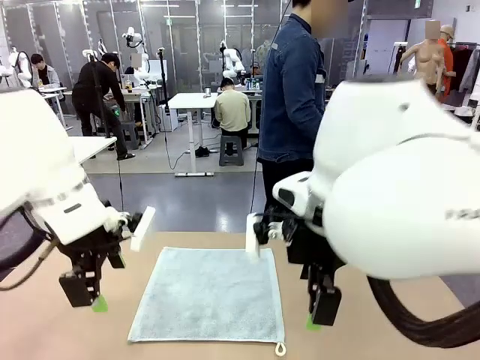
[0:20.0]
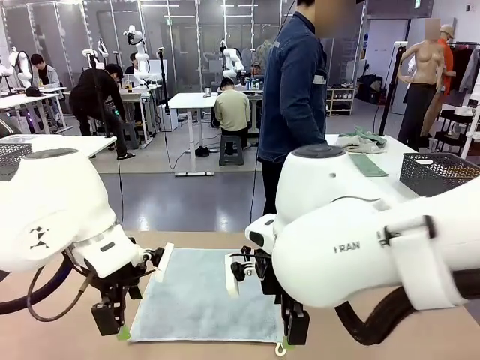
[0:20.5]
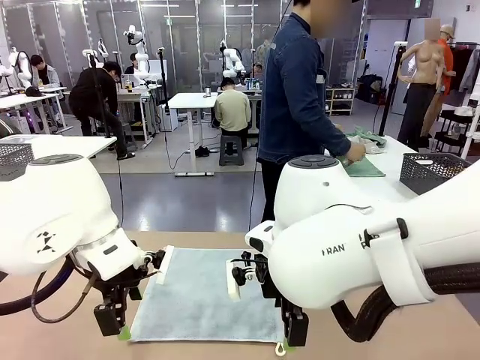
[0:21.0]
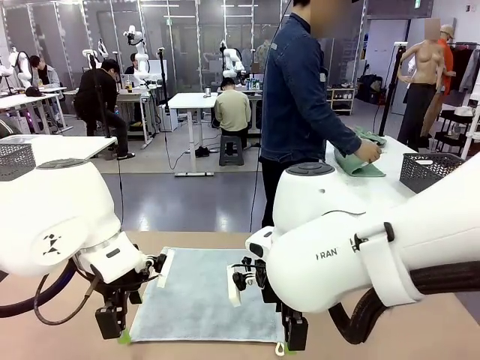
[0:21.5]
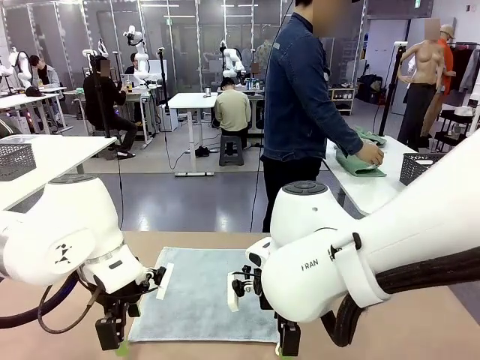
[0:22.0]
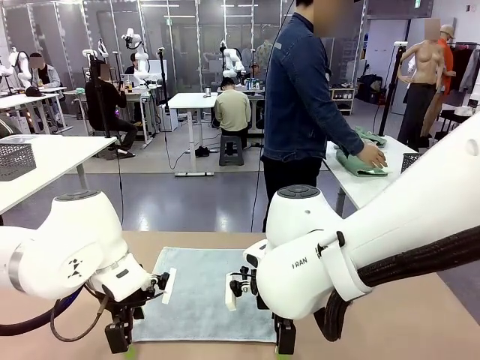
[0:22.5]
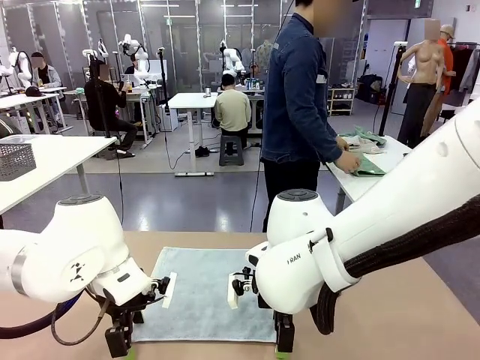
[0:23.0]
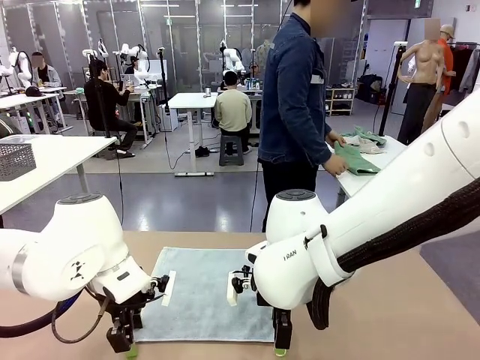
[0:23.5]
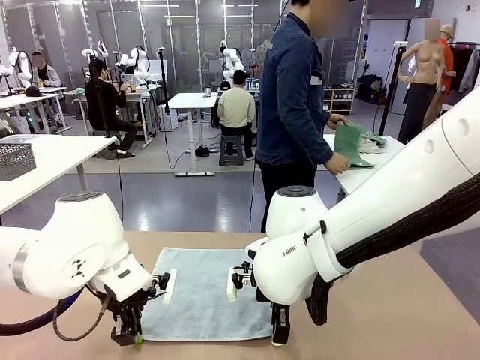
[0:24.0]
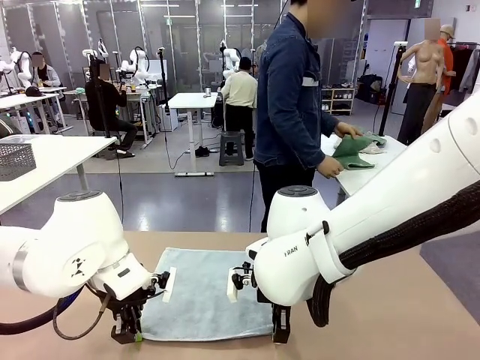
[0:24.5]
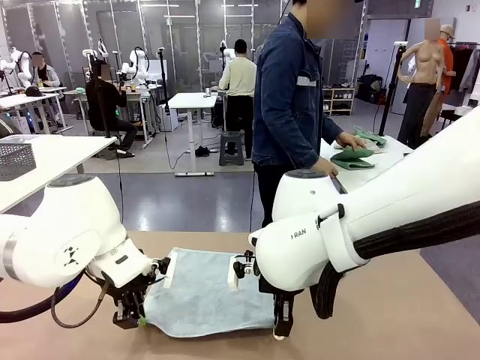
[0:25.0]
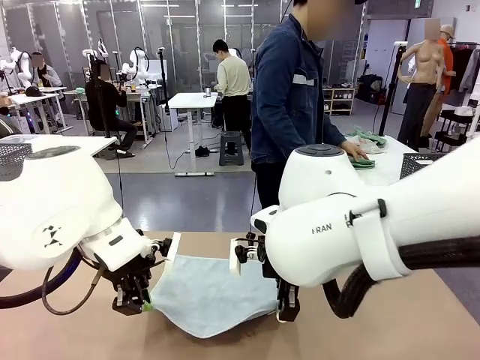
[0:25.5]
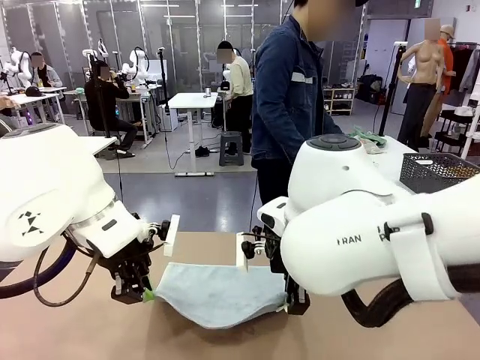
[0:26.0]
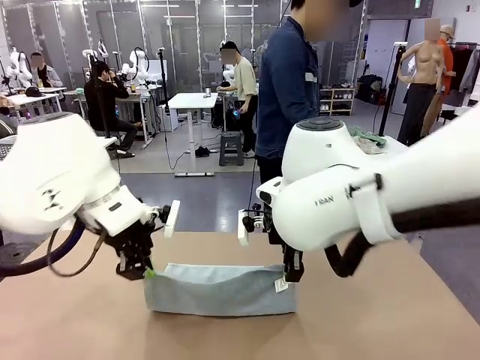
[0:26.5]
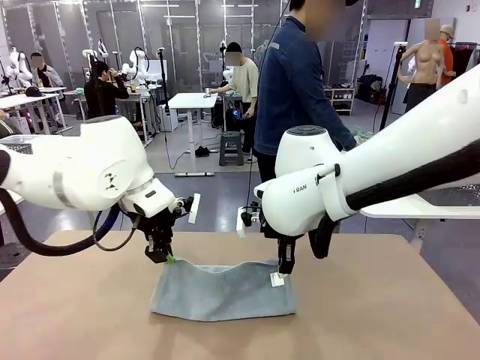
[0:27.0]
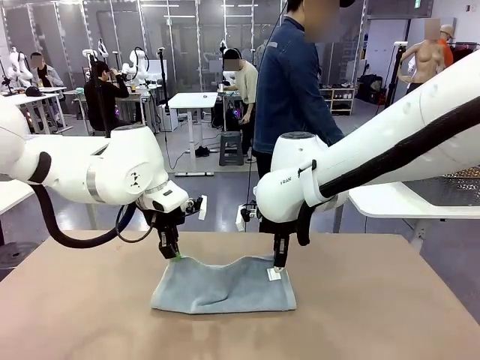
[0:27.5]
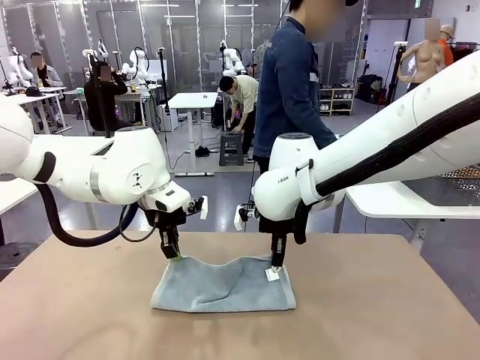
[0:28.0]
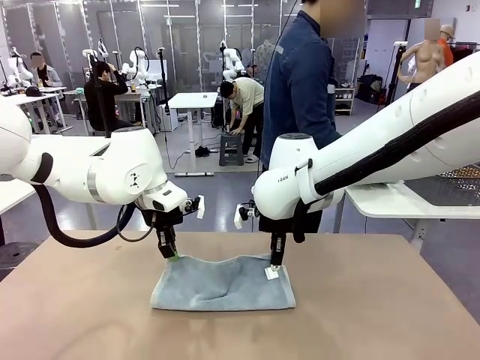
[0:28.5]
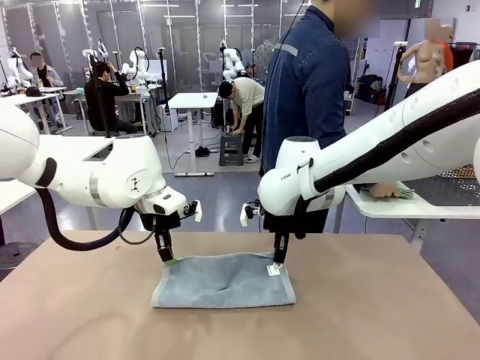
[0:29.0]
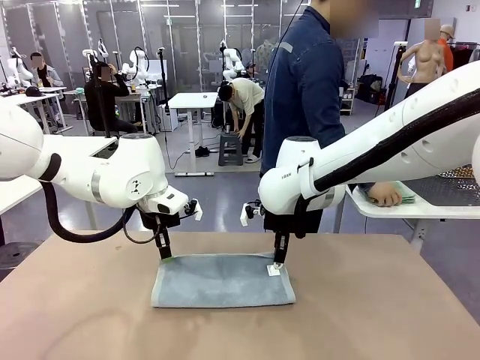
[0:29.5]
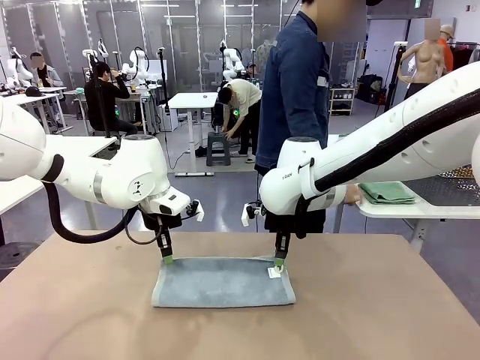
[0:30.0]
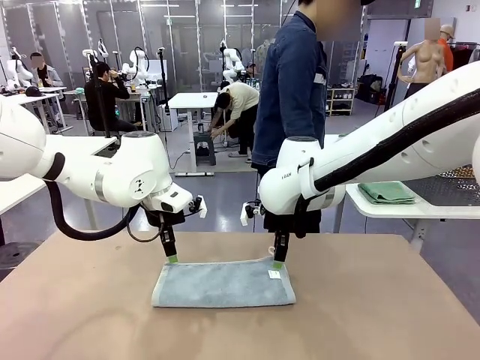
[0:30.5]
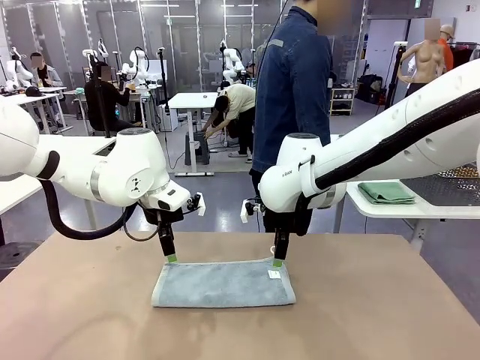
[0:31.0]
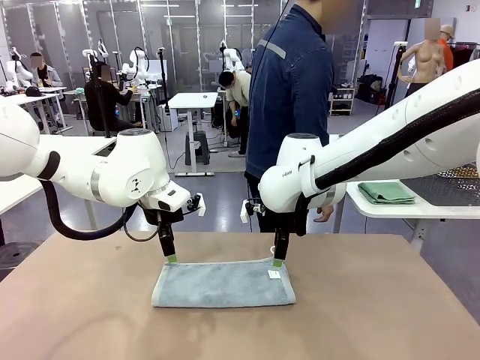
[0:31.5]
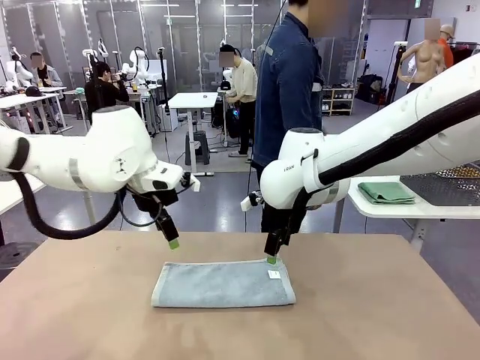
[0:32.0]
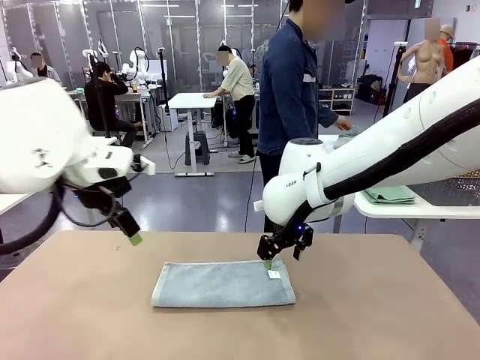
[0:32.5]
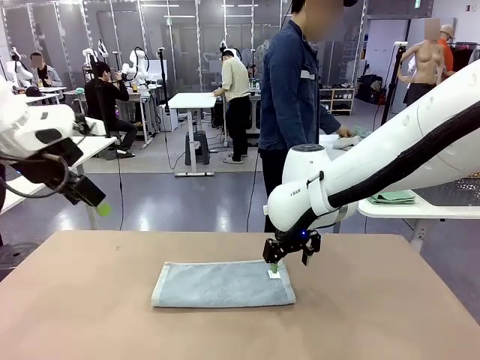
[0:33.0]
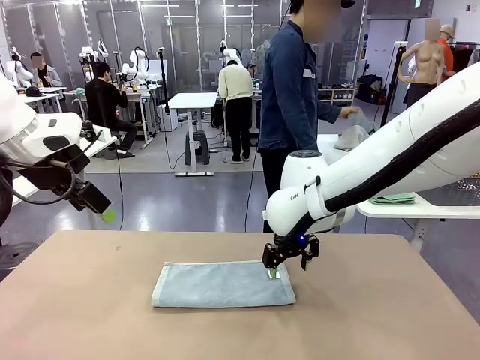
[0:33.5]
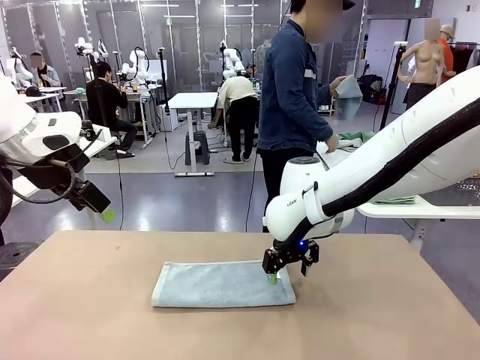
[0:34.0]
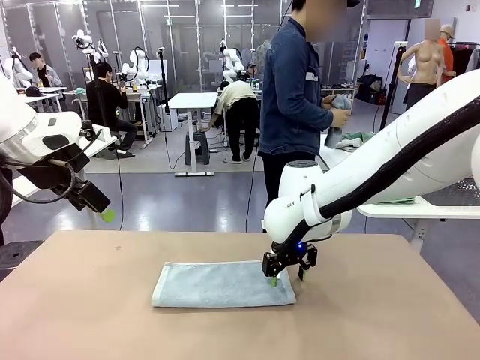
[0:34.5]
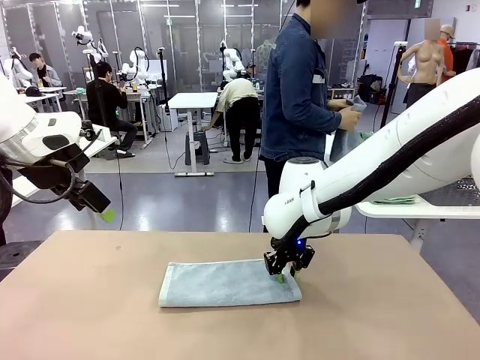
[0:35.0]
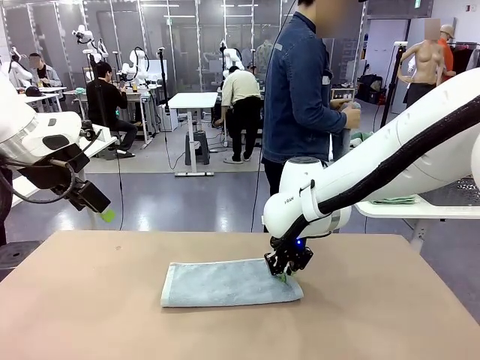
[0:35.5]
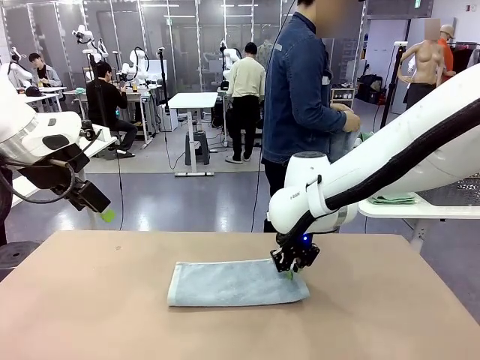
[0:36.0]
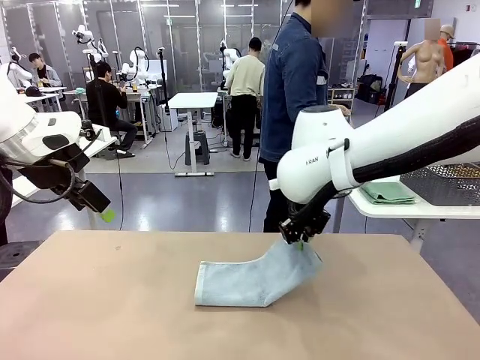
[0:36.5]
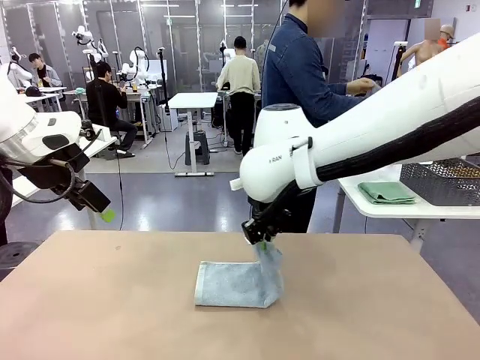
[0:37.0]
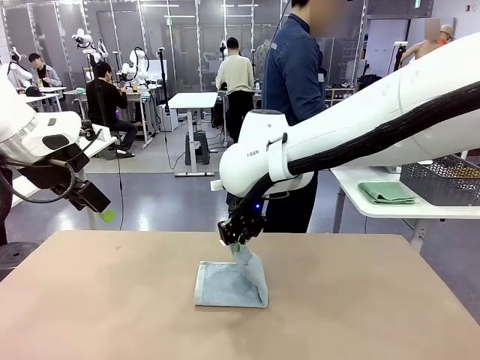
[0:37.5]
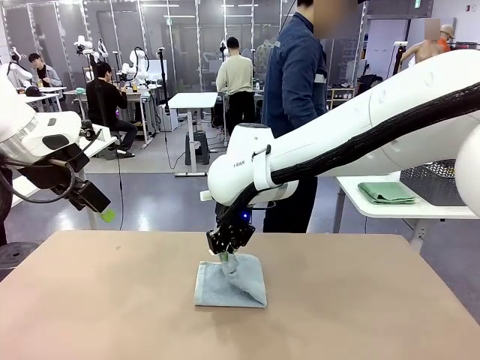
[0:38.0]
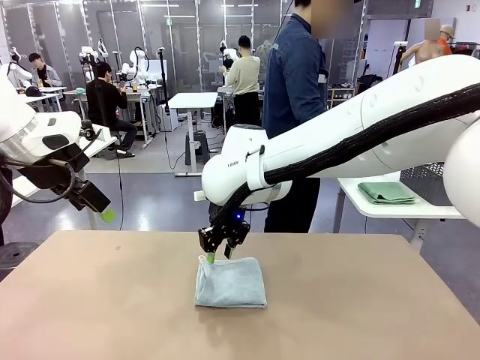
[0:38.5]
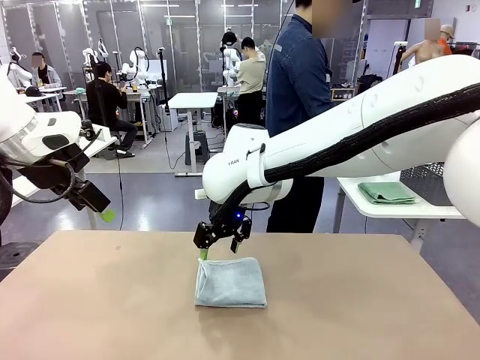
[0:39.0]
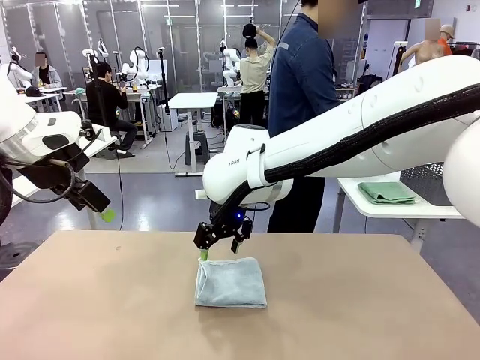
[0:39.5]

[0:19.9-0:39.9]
Task: Fold the towels and place them in the basket.
Robot: When a person lays out a Towel with hook on the table, fold it in half twice.
Person: Pick up one towel from the left side of the human table, fold it in half twice, and place it on the right side of the table. Pick up one towel from the left side of the human table, fold it in half twice, and stack it on the right side of the table.

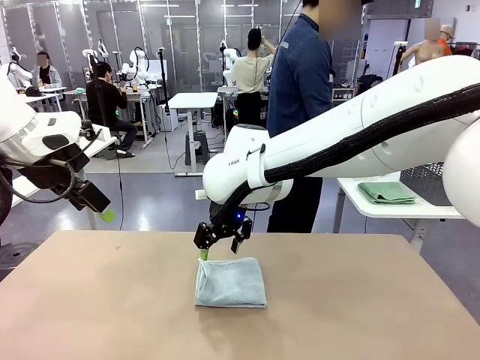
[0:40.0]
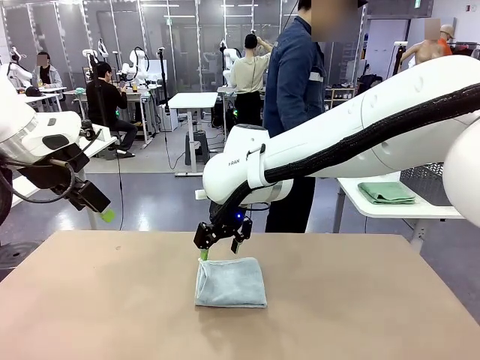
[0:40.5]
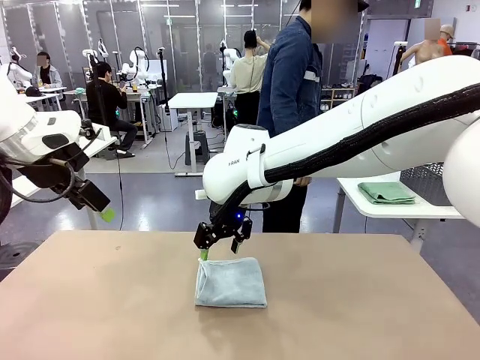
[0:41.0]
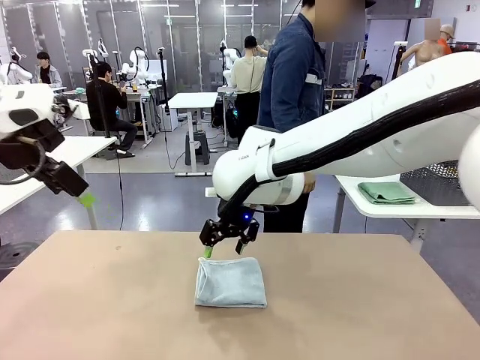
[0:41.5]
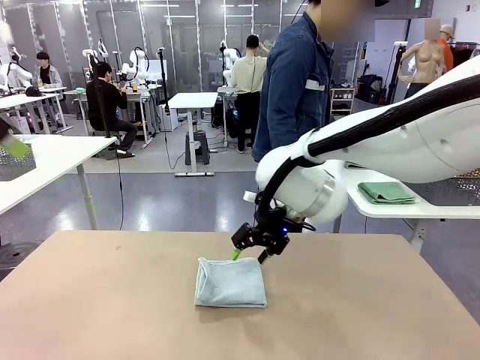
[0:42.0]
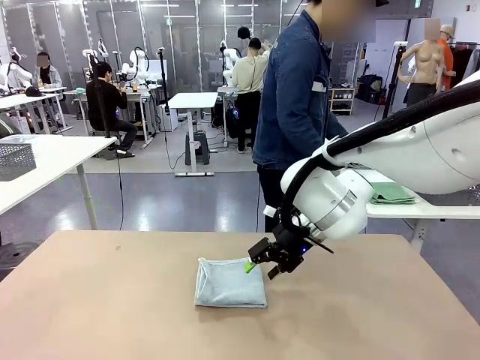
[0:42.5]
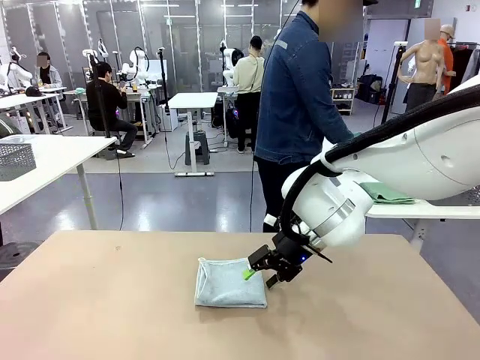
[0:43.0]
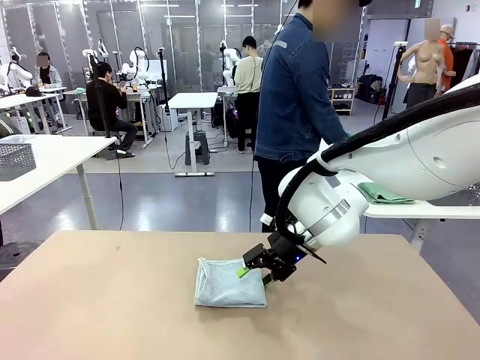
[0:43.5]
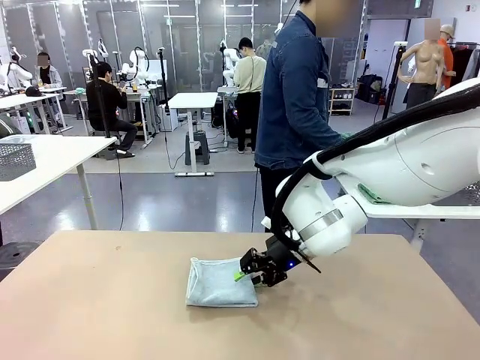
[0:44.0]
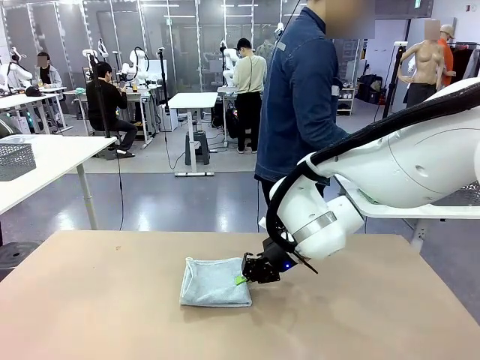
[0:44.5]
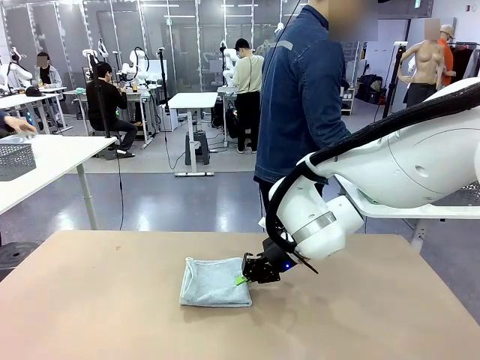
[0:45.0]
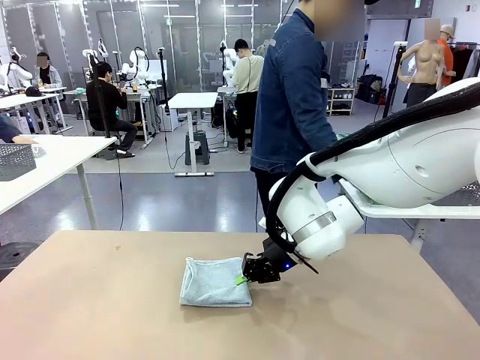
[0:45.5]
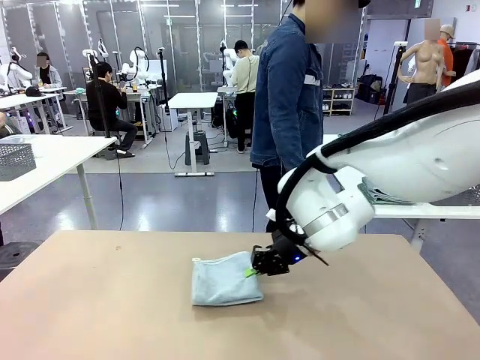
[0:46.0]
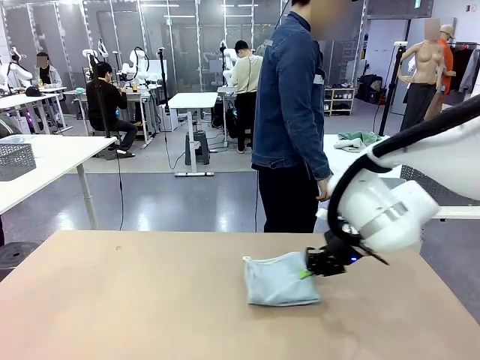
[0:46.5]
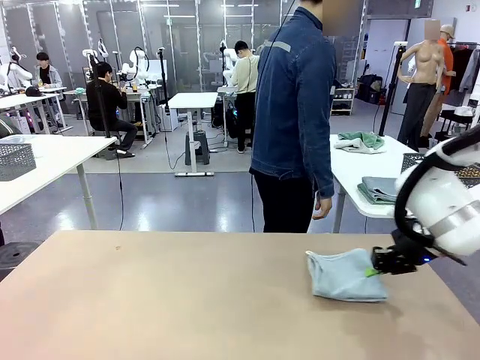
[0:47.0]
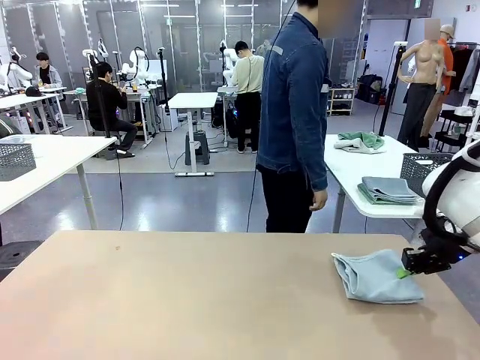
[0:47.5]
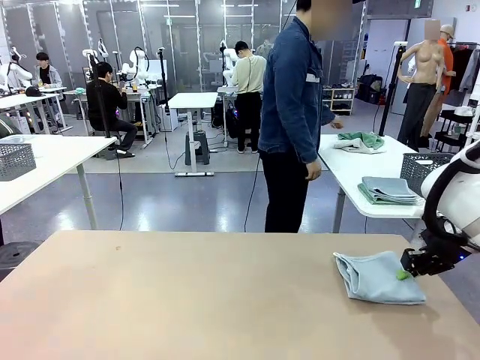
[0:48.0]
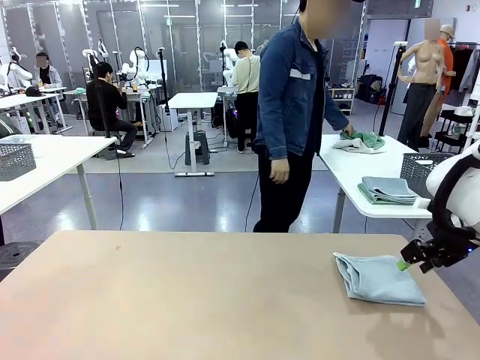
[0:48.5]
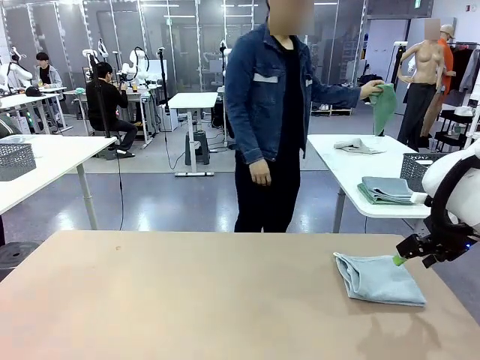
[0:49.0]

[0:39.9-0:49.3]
Robot: Place the folded Towel with hook on the right side of the table.
